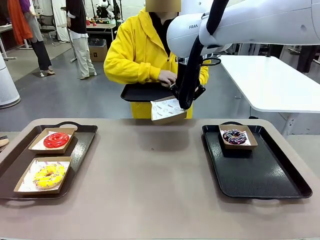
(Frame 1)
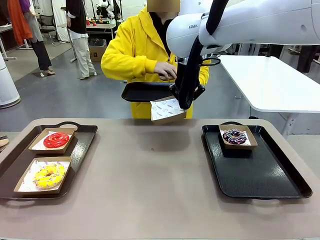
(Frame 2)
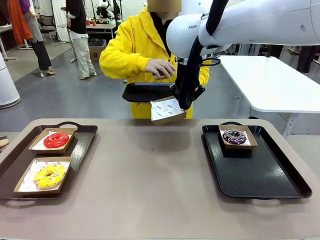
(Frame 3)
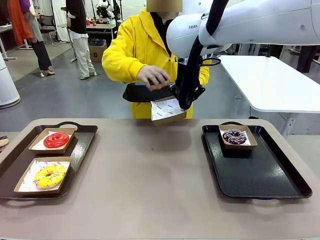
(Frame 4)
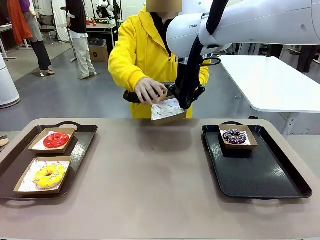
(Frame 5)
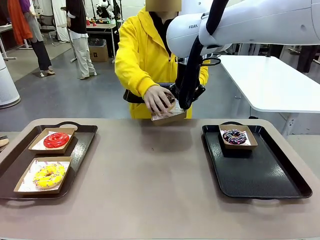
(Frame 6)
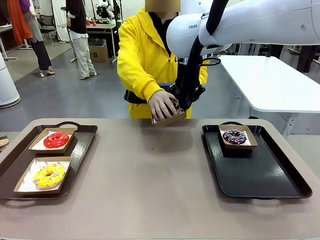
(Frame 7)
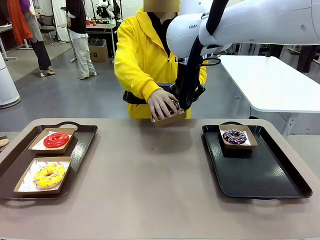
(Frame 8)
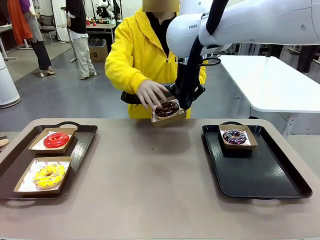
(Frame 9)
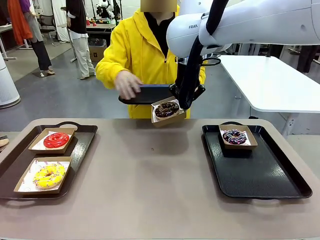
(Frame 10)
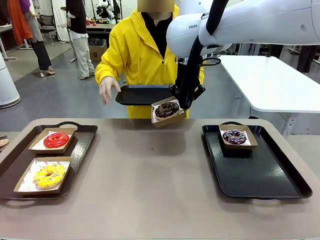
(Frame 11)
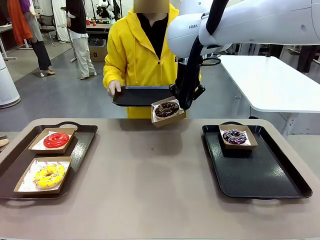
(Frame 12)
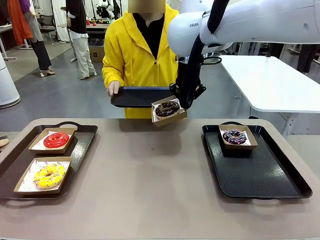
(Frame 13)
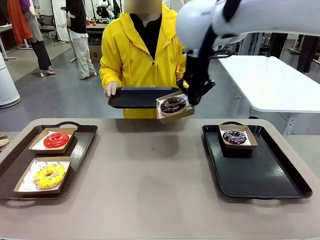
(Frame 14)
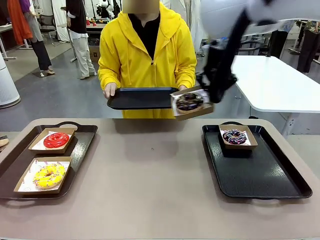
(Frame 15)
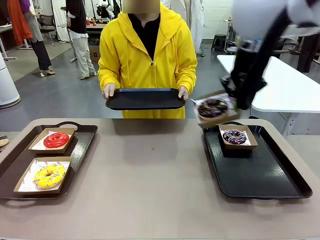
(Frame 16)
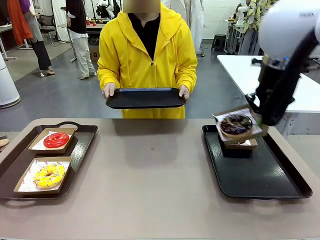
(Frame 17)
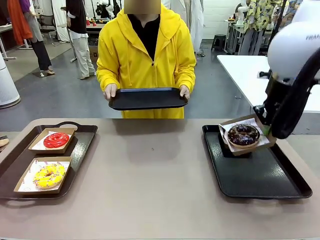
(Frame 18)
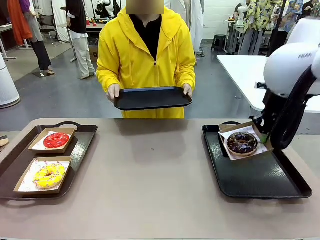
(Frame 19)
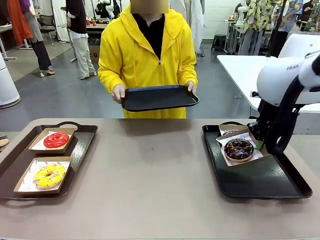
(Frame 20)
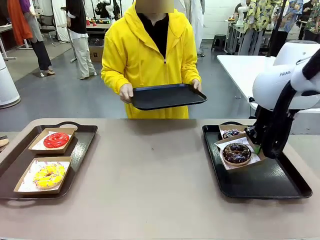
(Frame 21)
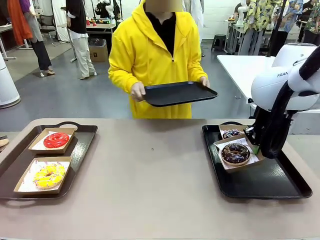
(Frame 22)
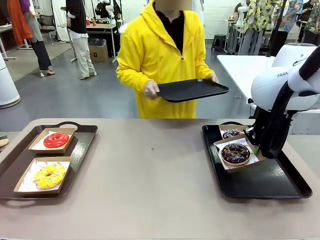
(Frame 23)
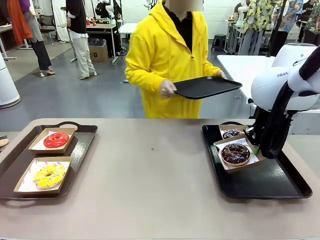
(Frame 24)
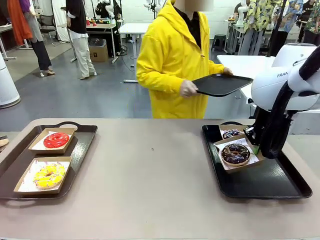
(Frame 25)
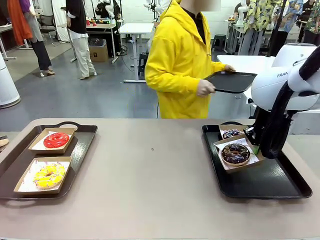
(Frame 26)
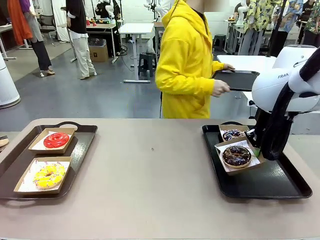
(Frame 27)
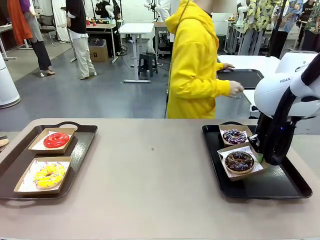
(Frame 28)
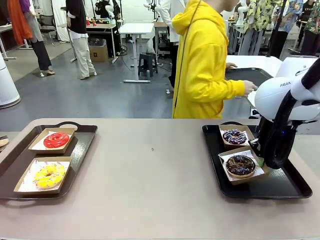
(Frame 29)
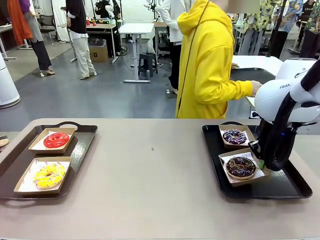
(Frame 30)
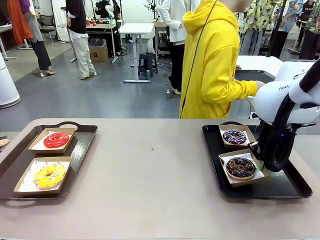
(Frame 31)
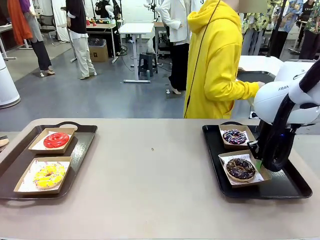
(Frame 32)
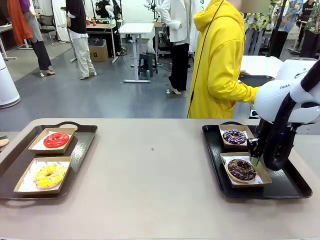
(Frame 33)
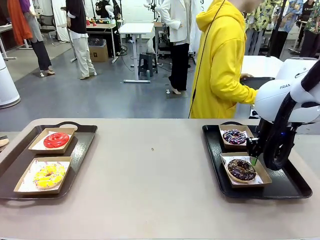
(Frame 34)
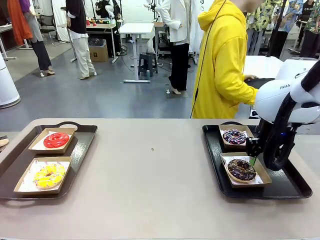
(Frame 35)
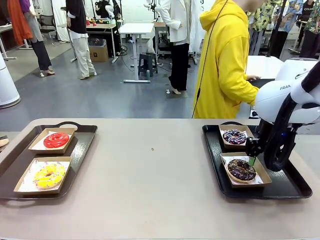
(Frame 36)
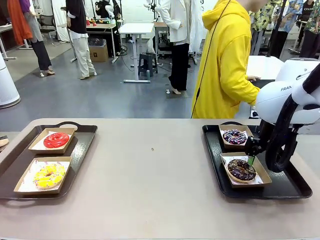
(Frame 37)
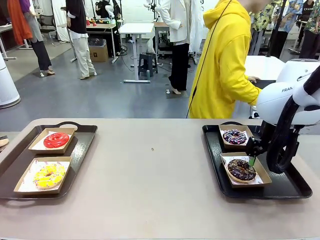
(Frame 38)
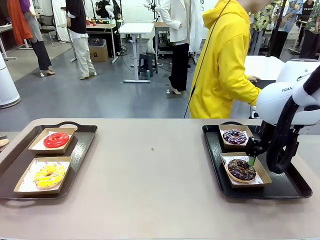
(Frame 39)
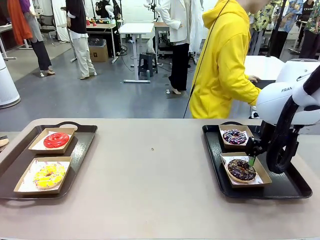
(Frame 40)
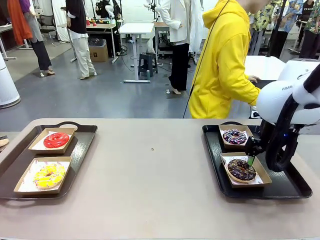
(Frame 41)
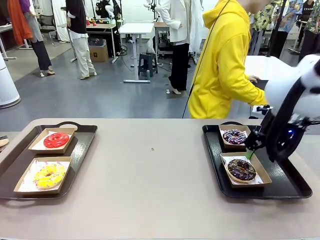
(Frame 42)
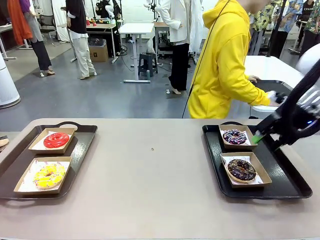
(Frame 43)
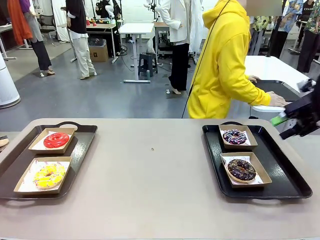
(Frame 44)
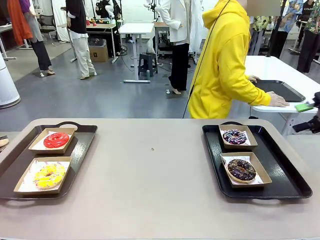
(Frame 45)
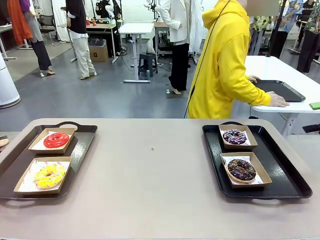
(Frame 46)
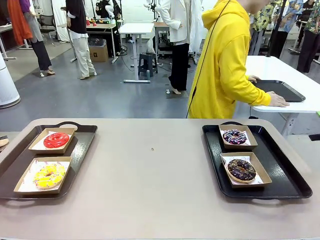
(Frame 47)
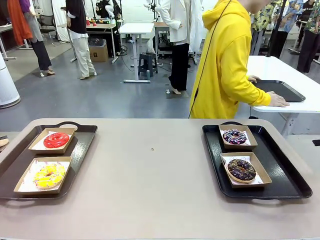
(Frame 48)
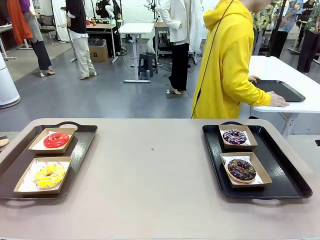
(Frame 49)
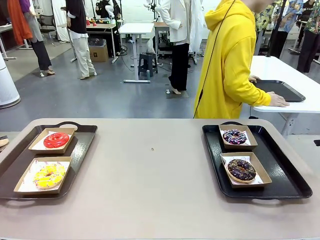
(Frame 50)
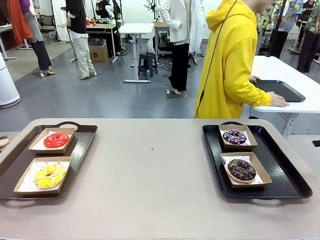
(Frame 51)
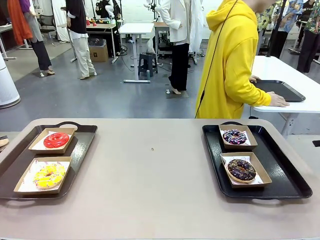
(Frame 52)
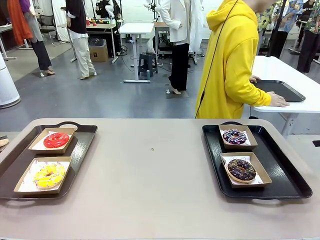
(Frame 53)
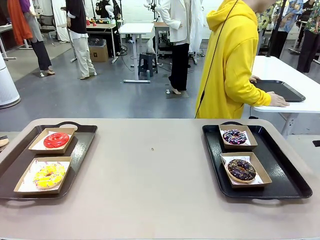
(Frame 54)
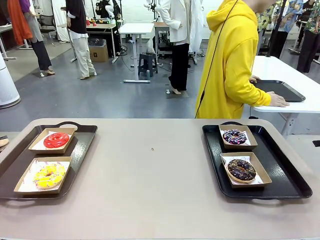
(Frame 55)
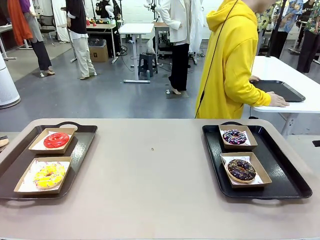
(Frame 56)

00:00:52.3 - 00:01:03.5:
Task: Individually package the donuts and arrange them on the tray.
Robot: Place the picked Paper togo box on the Handle tray.
Person: Place the tray down in the middle of the human table.

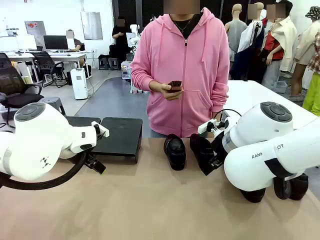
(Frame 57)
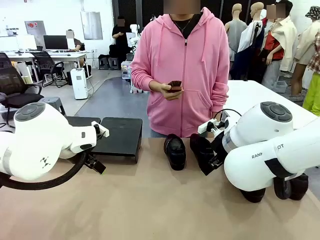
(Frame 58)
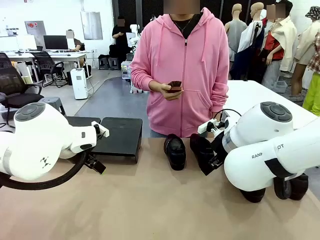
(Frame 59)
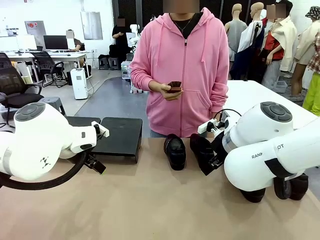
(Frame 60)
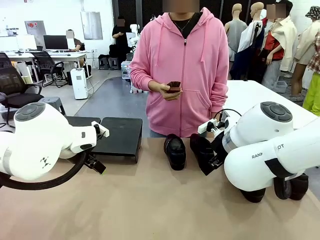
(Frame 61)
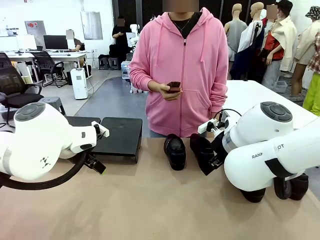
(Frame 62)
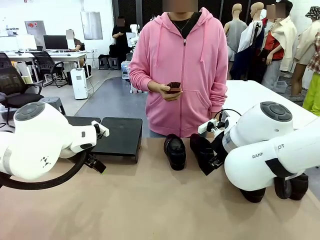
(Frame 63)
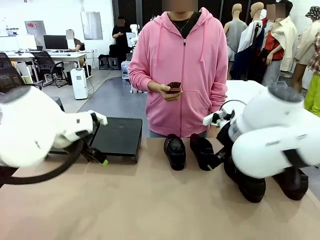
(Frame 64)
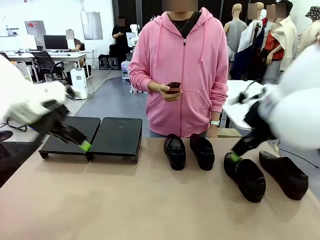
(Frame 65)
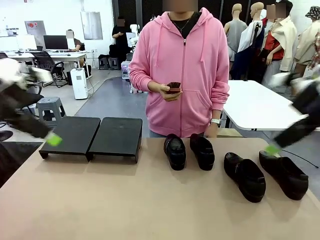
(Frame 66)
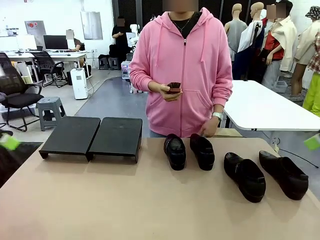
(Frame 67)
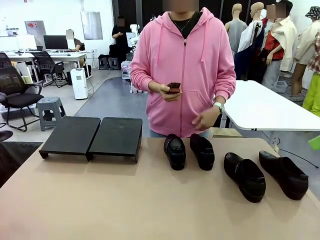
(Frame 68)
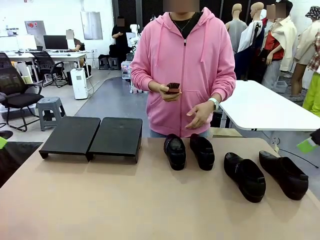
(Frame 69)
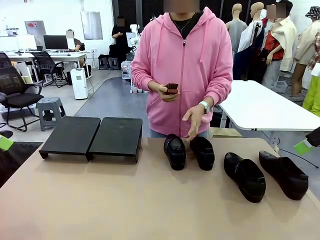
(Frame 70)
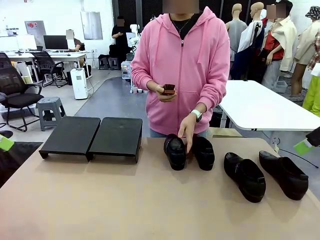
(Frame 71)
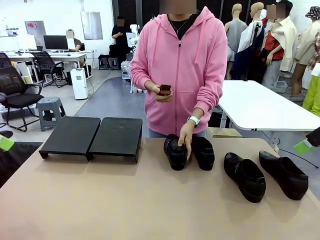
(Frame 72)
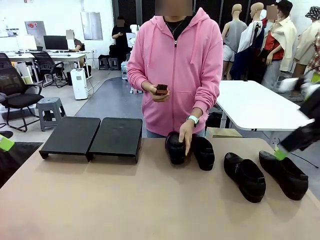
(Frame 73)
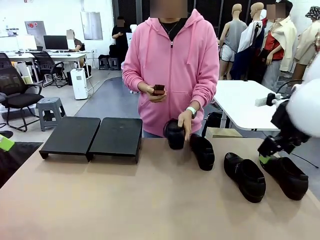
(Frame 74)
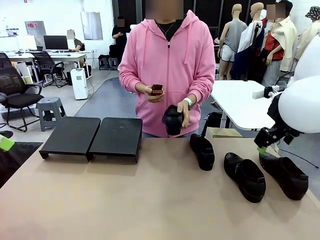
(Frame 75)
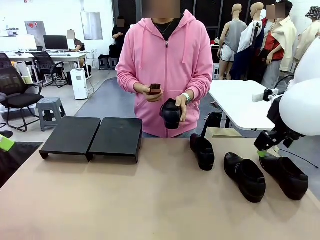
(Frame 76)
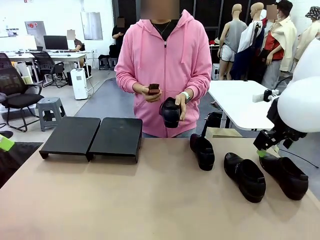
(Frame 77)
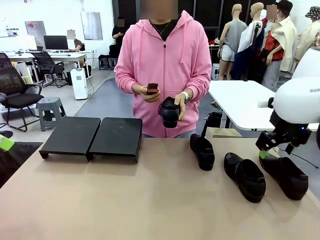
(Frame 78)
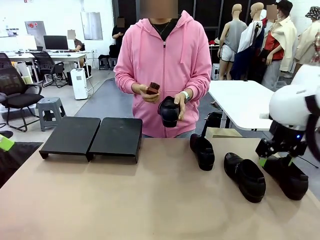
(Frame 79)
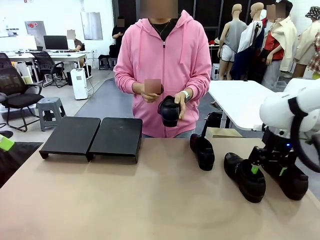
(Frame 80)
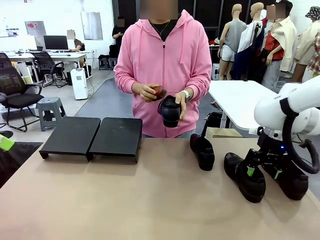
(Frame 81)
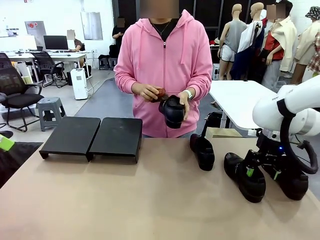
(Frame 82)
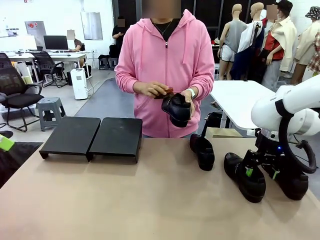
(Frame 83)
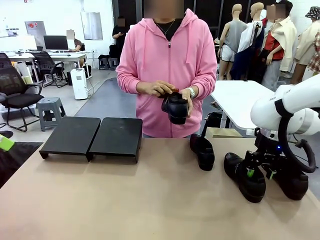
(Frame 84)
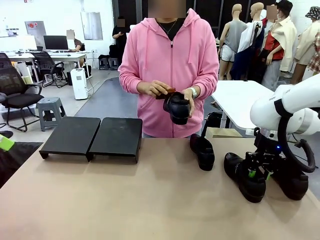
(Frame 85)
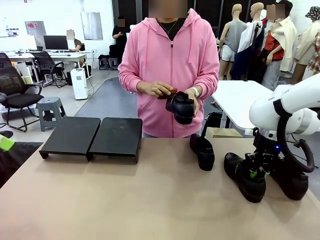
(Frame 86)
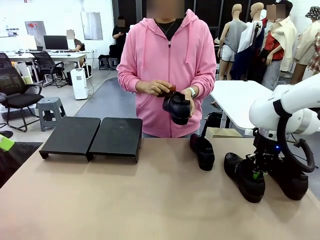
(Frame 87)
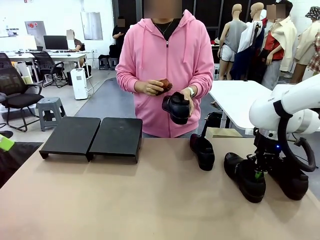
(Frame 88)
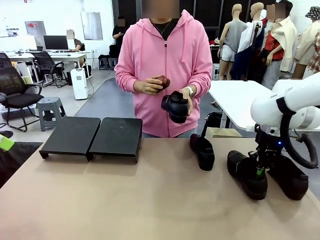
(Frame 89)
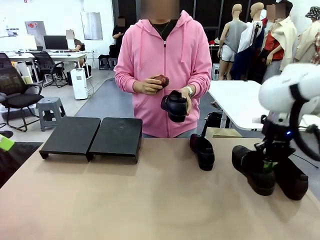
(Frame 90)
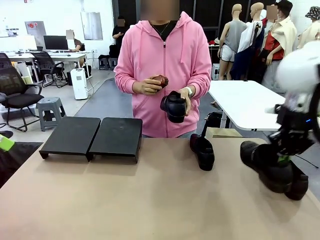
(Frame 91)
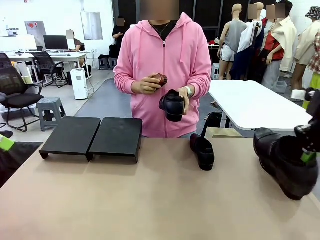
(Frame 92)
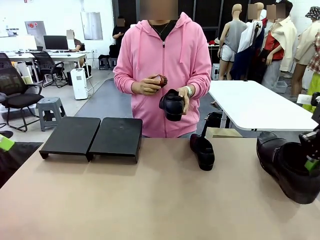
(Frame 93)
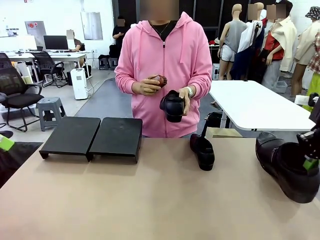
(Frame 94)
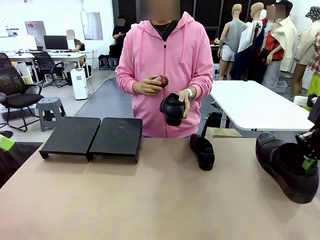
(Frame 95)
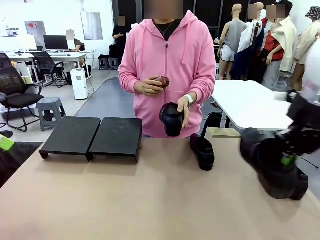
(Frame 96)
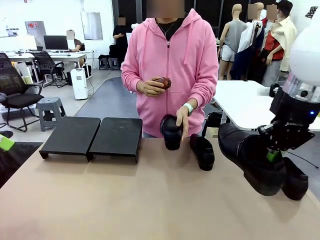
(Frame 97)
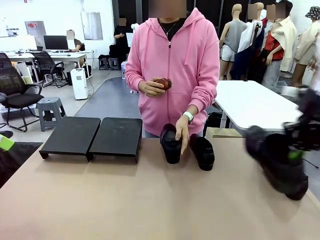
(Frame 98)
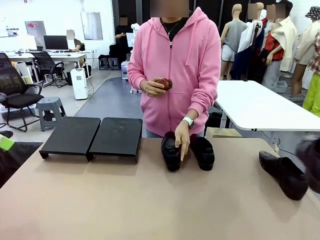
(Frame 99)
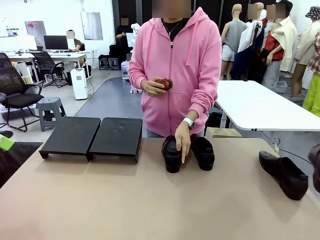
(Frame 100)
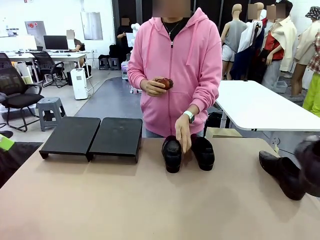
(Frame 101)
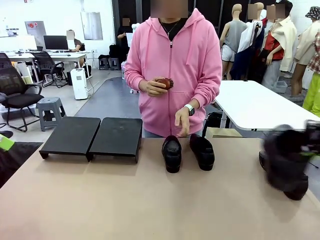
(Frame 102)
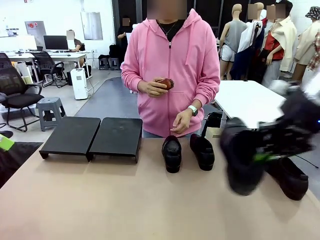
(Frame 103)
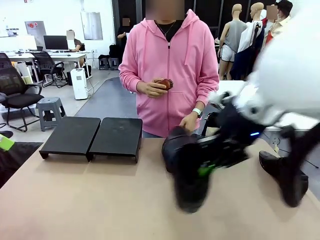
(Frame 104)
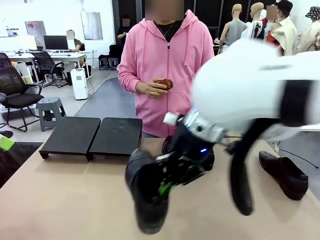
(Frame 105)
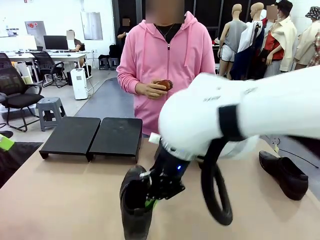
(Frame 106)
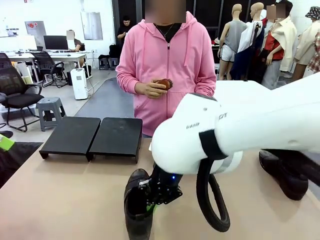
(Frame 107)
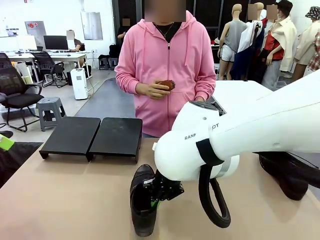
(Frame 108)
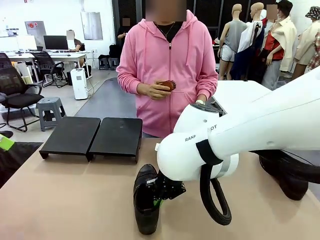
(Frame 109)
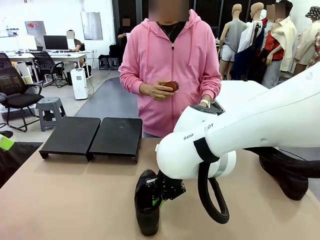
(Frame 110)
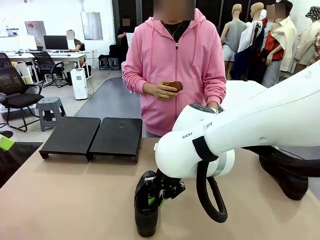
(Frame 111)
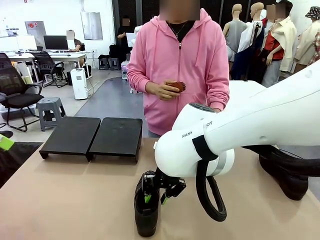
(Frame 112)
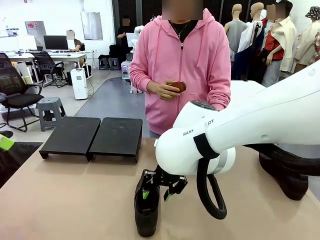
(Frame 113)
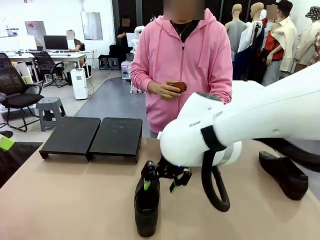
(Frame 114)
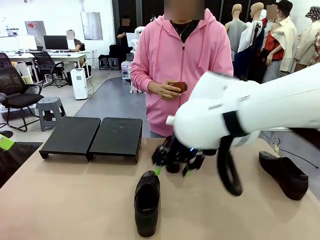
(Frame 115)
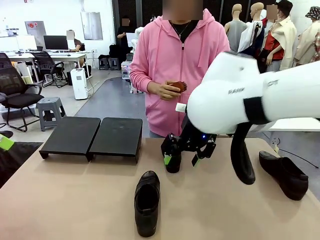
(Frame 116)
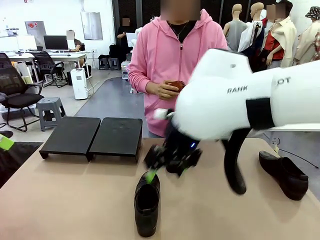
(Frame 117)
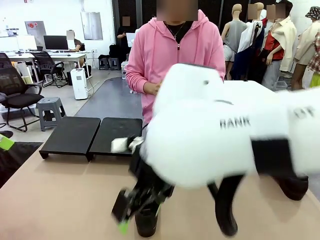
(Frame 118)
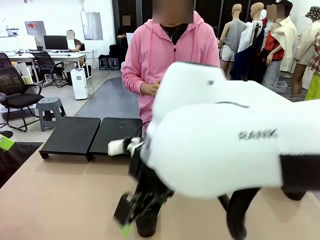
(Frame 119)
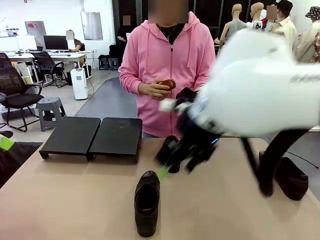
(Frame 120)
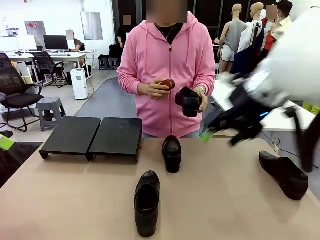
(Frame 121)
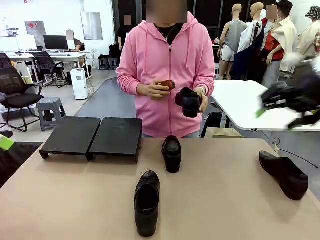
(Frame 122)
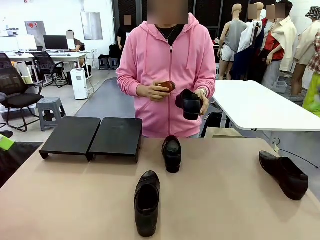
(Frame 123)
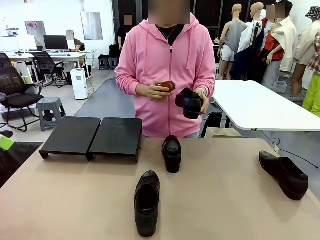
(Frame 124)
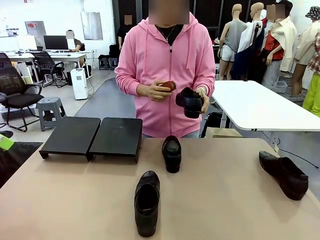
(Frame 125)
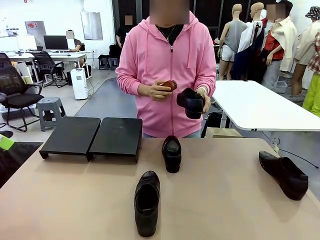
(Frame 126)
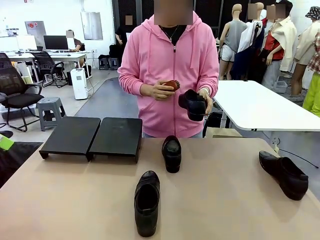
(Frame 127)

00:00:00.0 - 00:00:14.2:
Task: Organize the shoes by placing them on the stand.
Robot: Pick up one Shoe and place it in the middle of the table.
Person: Pick one Shoe on Robot's table. Clean the Shoe with the Shoe Brush. Place the Shoe on left side of the Robot's table. Pick one Shoe on Robot's table.
